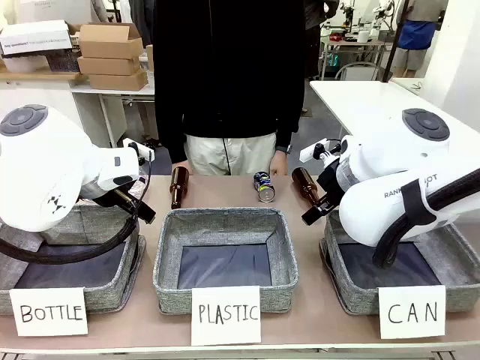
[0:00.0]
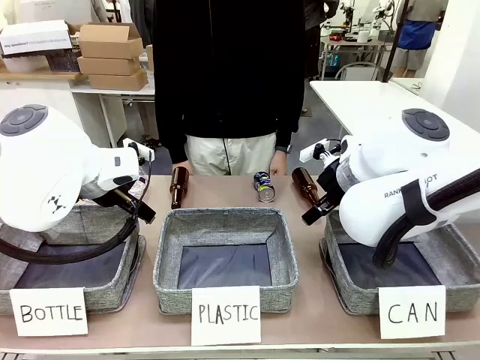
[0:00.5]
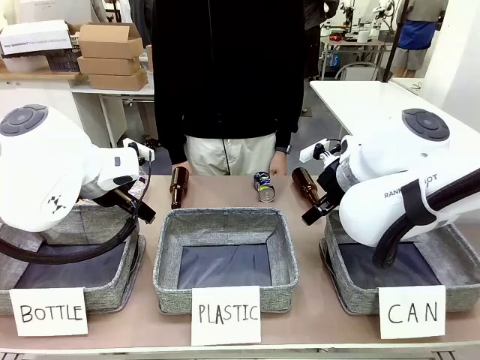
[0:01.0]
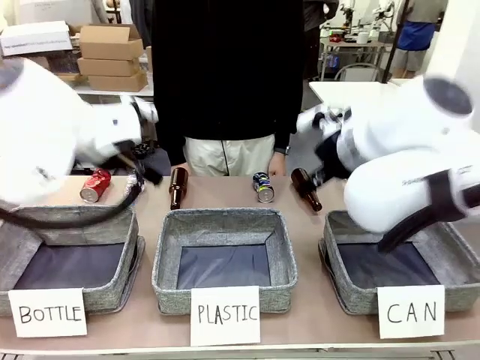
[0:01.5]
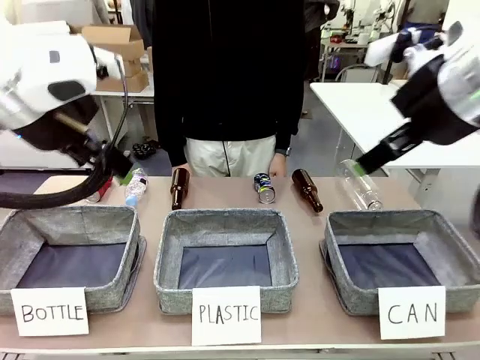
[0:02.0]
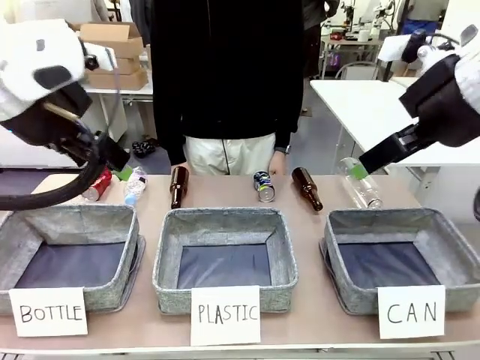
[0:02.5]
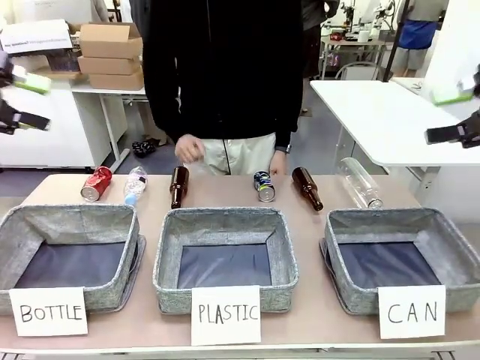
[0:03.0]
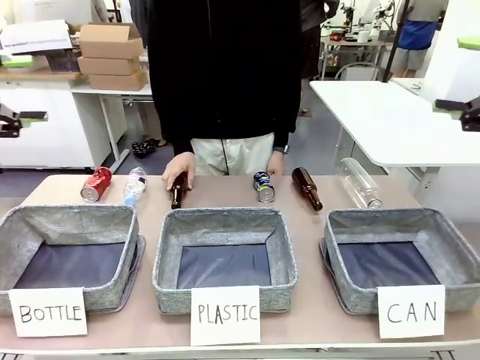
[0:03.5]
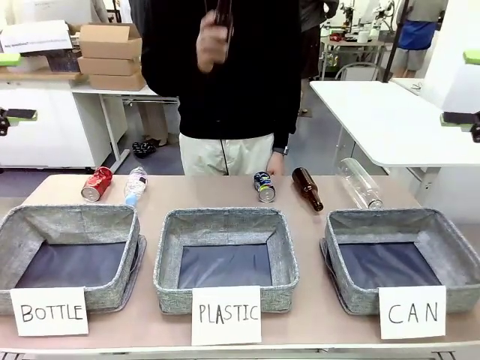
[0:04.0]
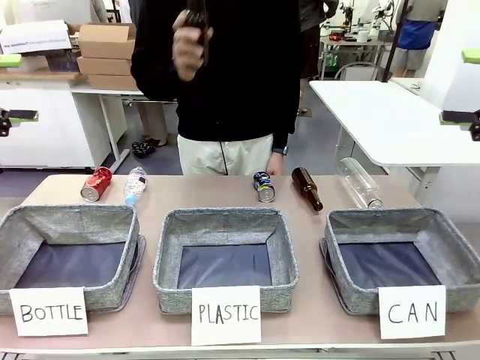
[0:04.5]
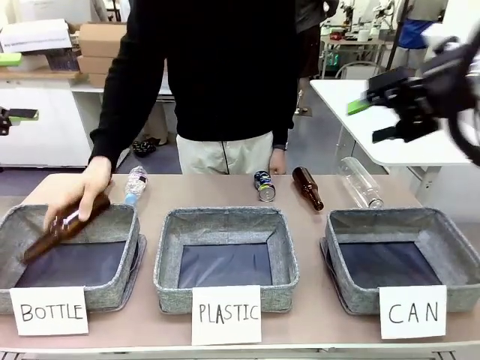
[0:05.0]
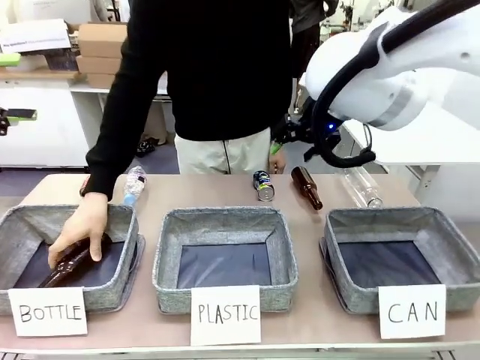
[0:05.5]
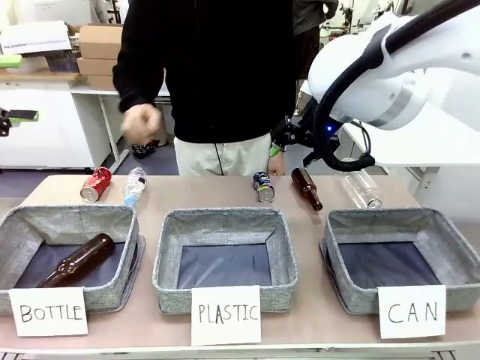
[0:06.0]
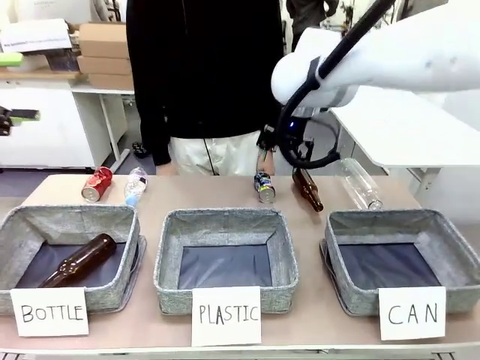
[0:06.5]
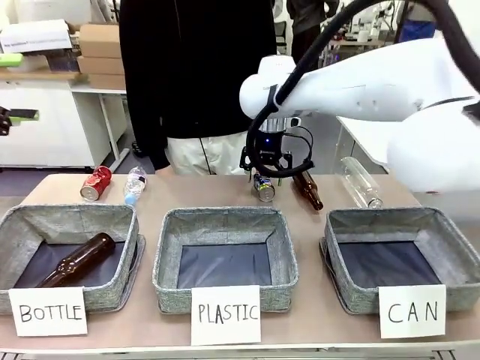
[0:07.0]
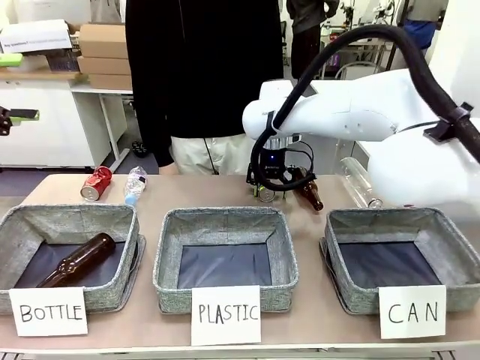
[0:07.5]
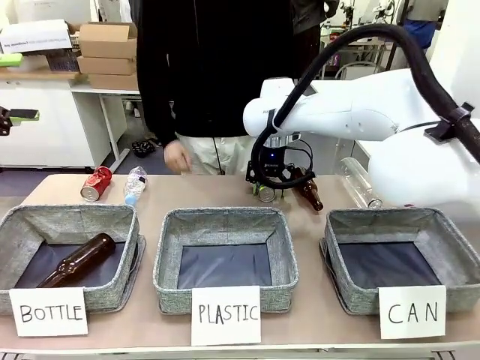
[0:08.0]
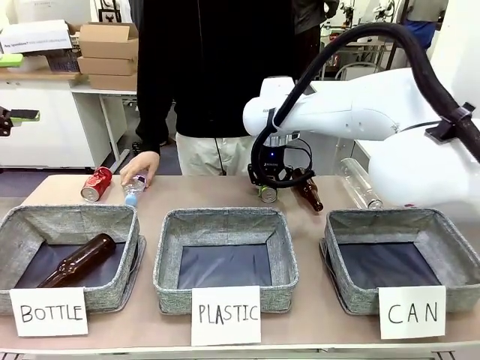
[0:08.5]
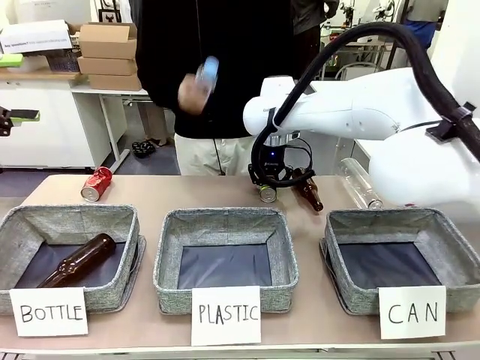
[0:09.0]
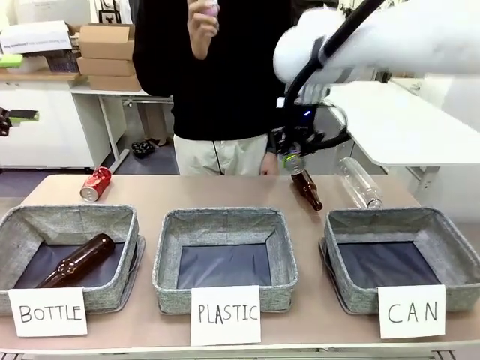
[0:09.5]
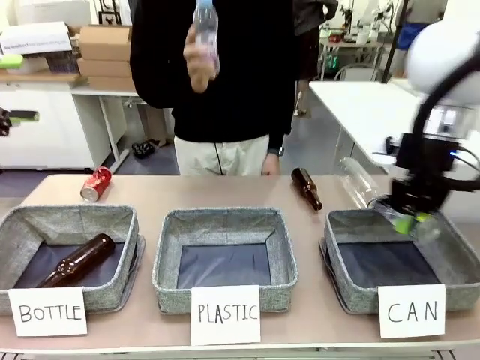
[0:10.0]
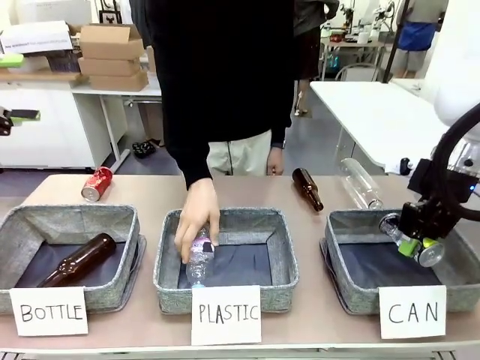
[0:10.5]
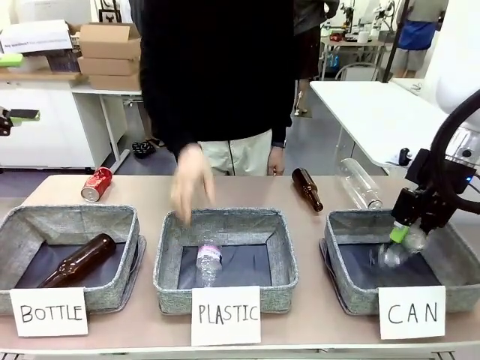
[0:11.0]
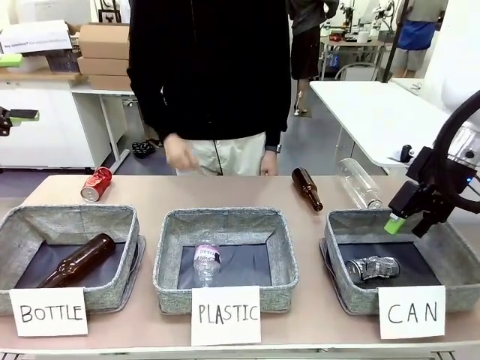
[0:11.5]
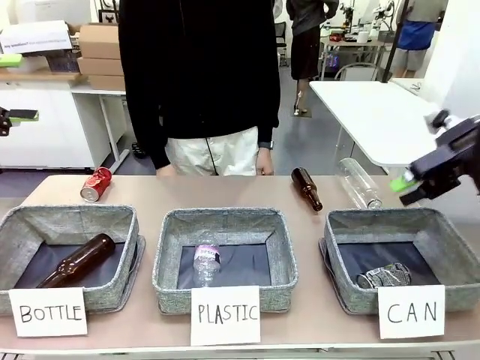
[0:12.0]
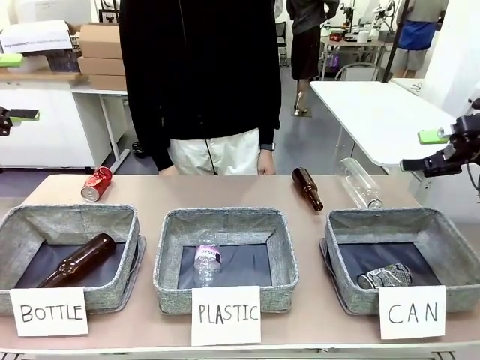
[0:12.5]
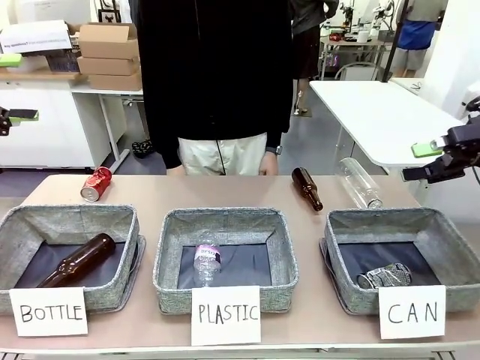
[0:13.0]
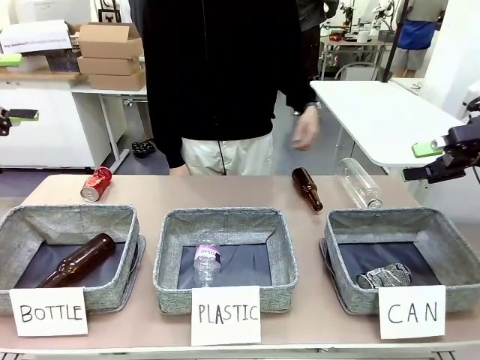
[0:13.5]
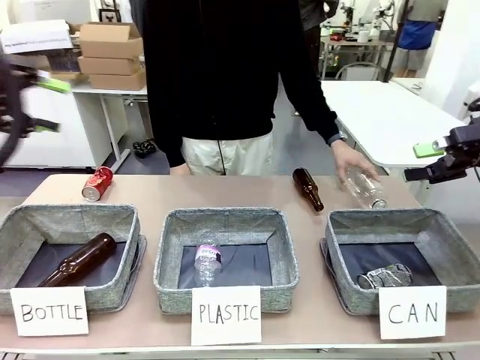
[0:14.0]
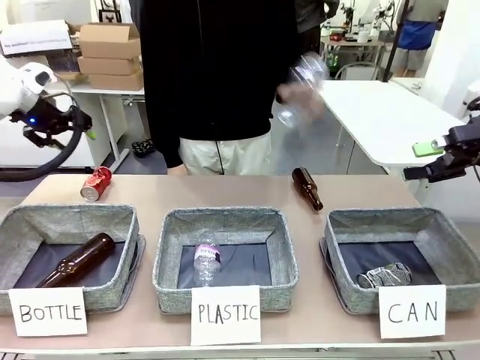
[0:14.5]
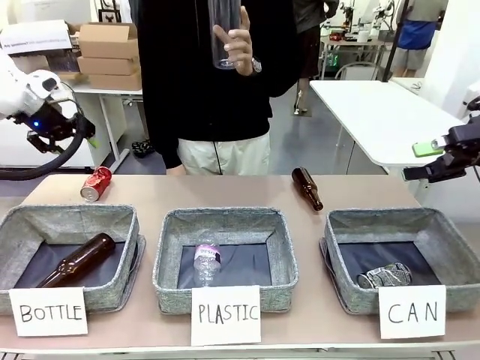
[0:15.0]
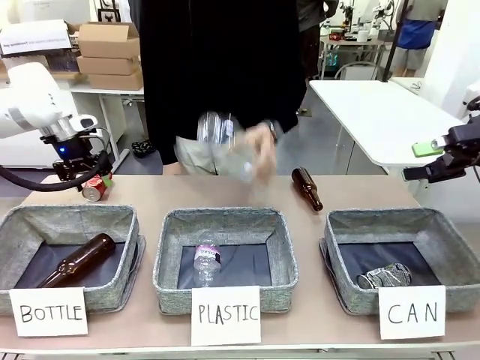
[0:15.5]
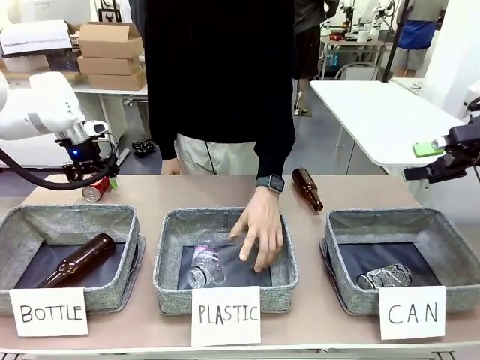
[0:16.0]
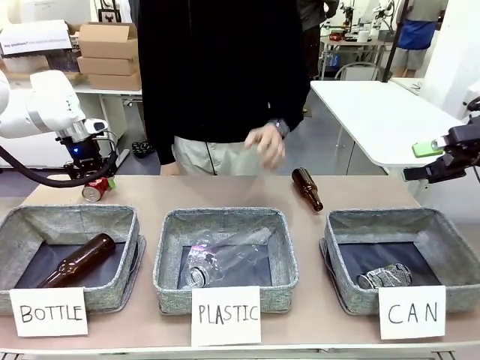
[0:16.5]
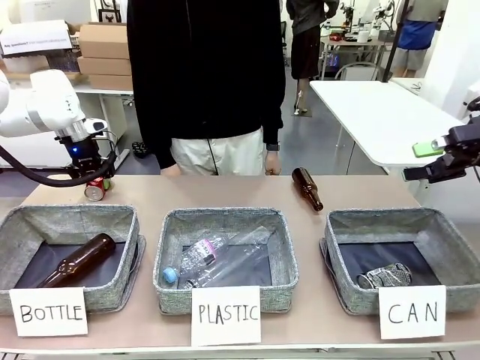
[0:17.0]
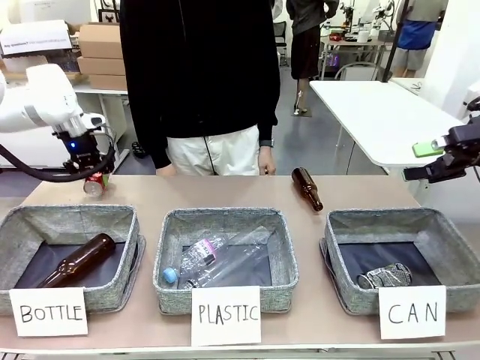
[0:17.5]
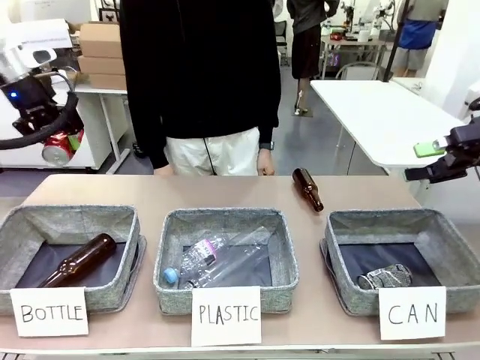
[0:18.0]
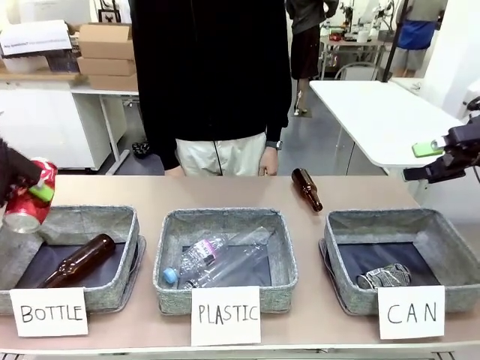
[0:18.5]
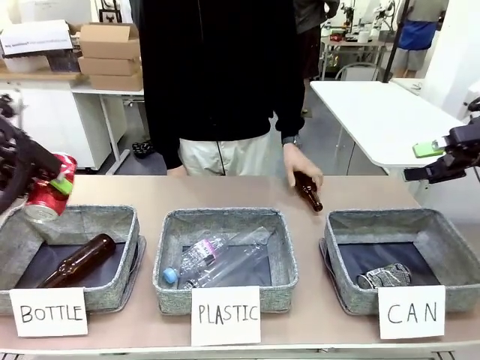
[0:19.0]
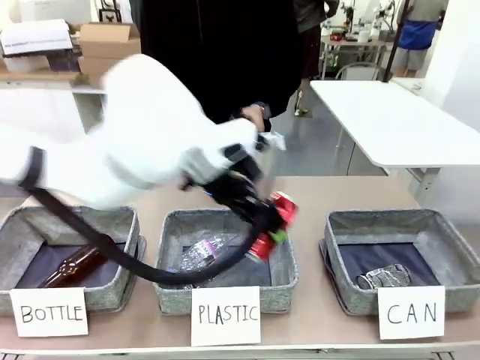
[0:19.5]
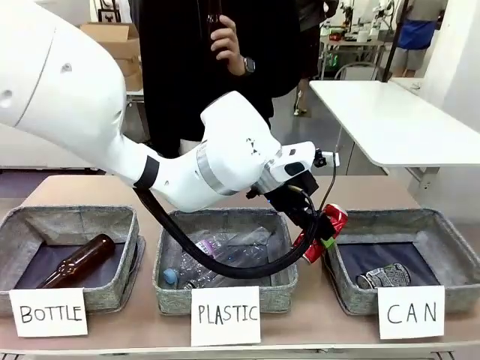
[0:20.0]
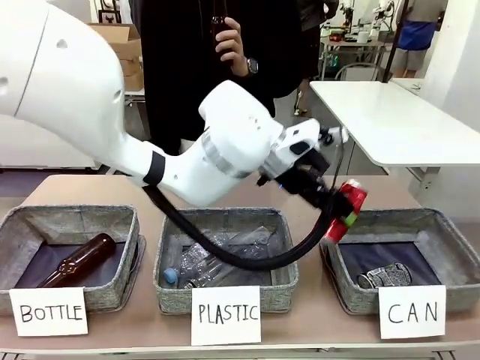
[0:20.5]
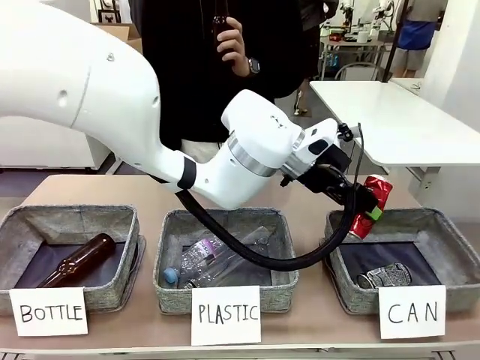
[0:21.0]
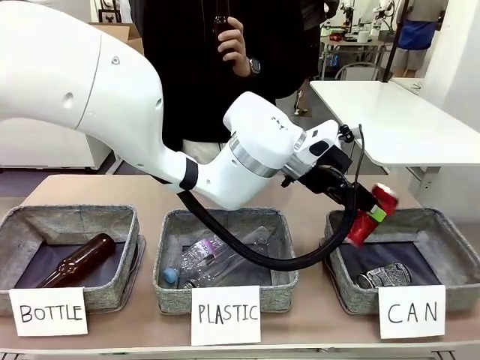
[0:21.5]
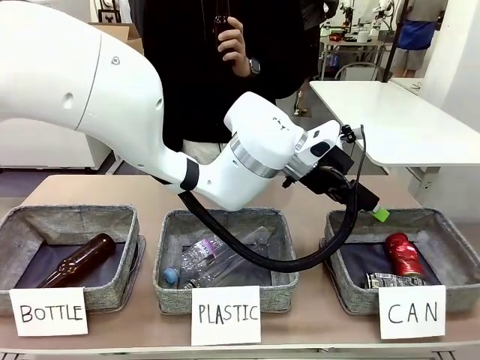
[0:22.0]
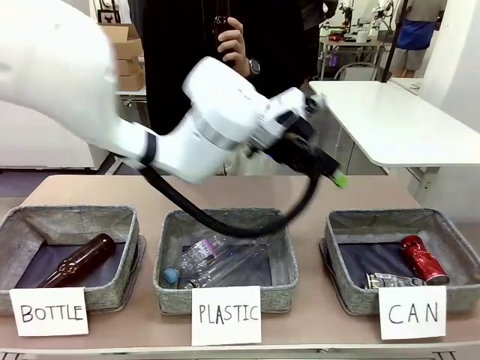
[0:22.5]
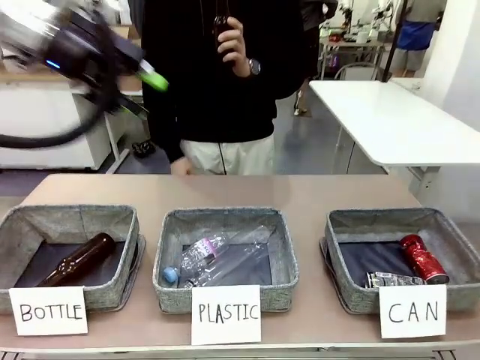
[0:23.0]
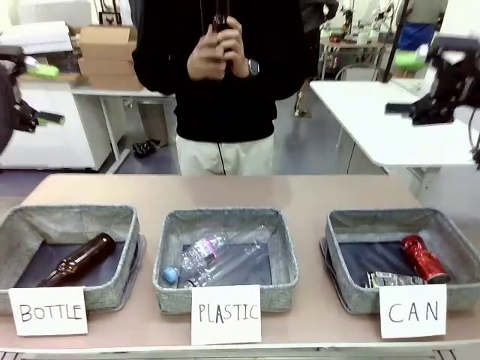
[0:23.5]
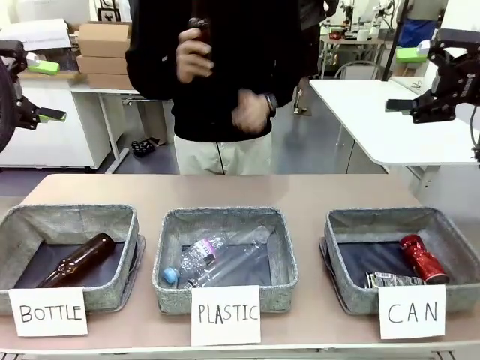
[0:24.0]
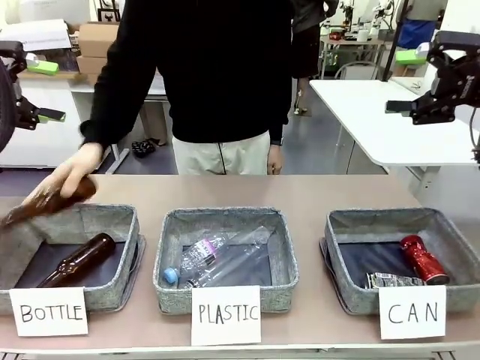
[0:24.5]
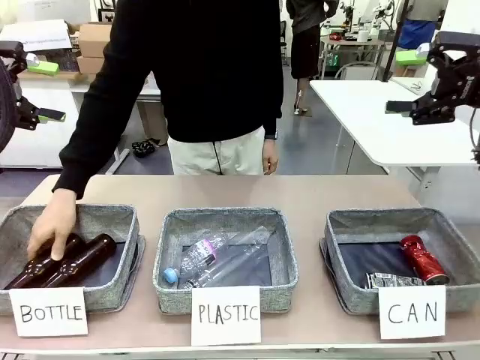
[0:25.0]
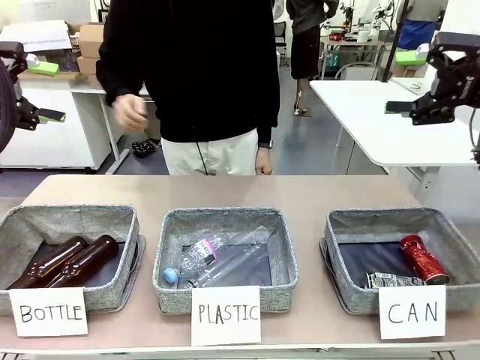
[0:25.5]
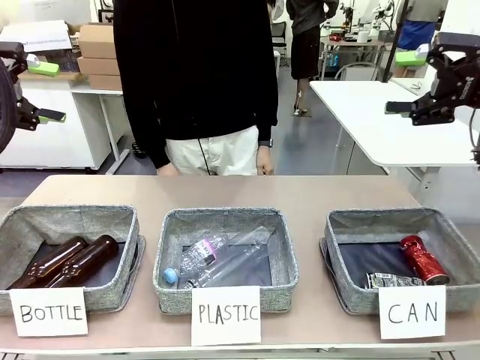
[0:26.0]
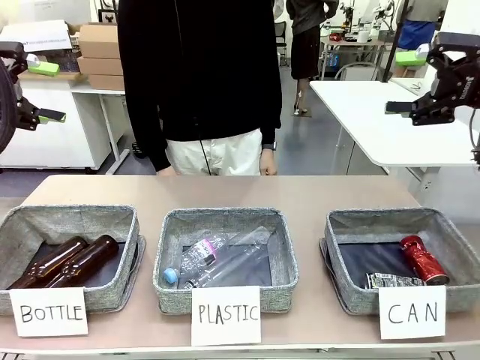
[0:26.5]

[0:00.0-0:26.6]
Task: Sort the can waste into the basket.
Robot: Pick up the can waste from the table and place it in the right Fabric basket.
Person: The human picks up one piece of trash that is not a can and places the trash into the appropriate organizing basket.
